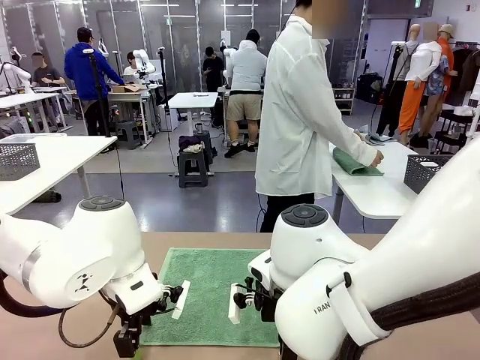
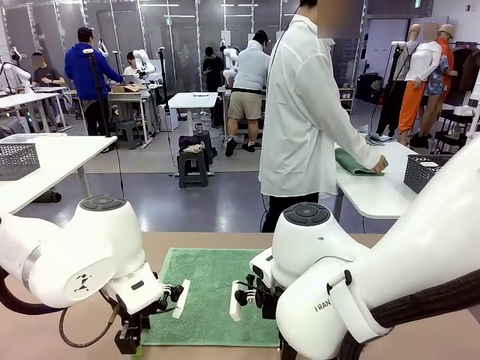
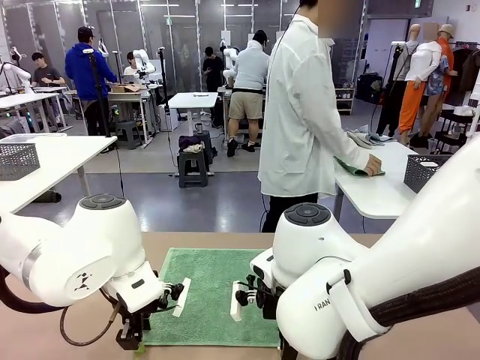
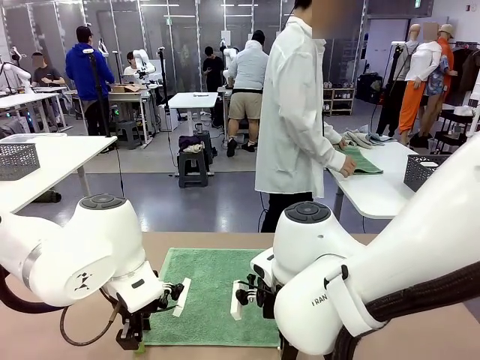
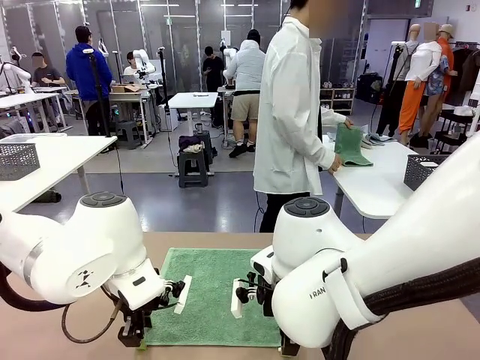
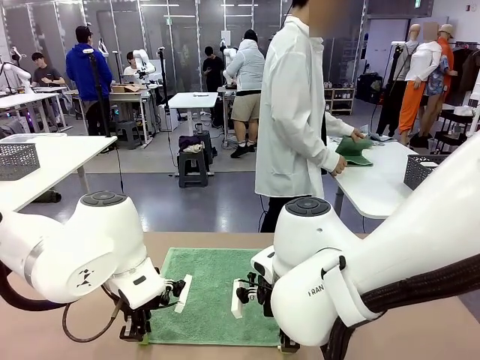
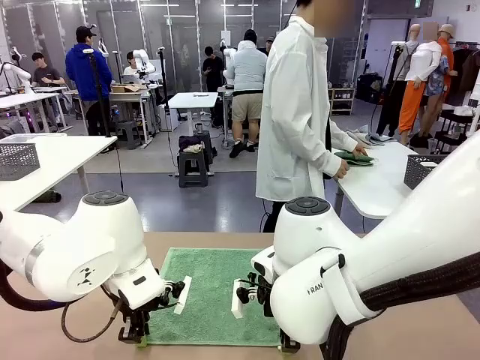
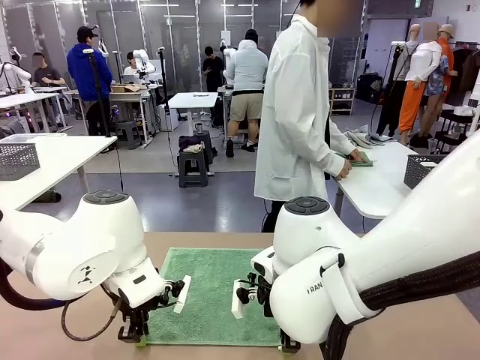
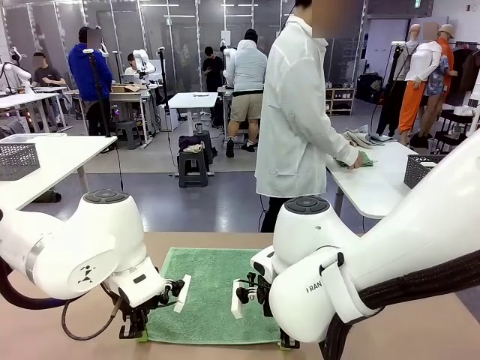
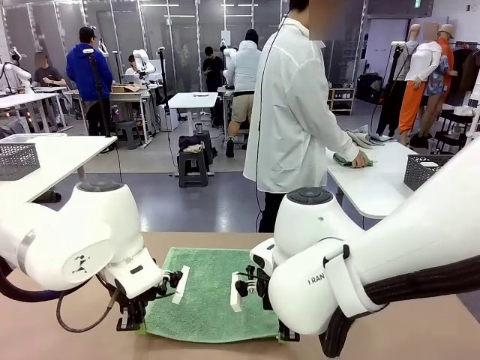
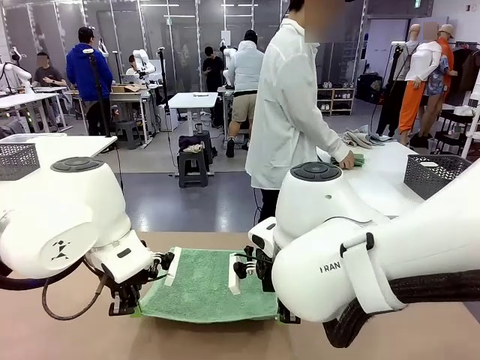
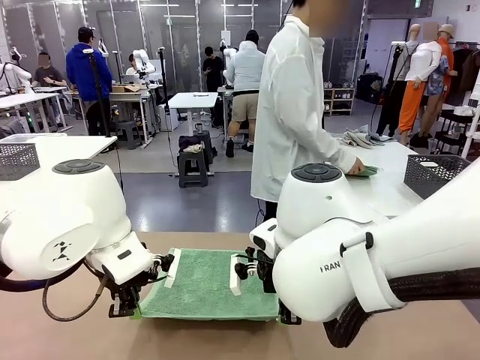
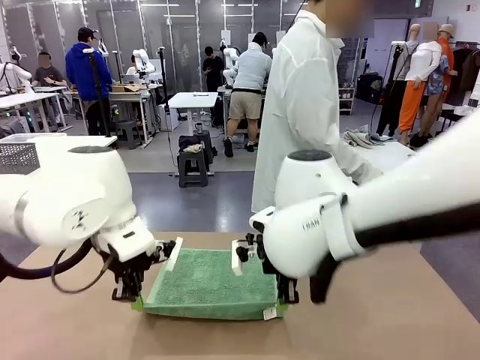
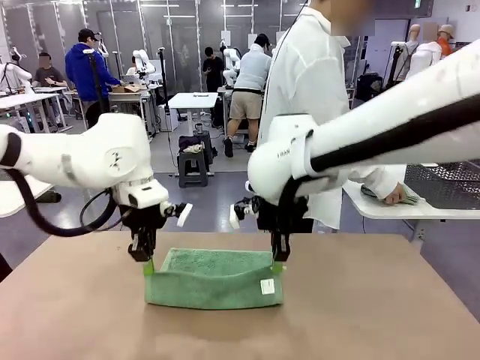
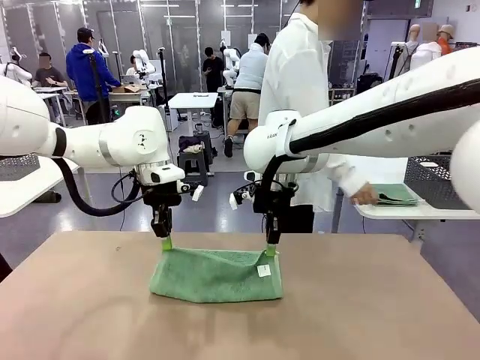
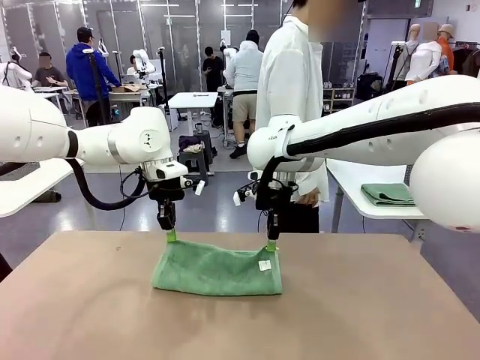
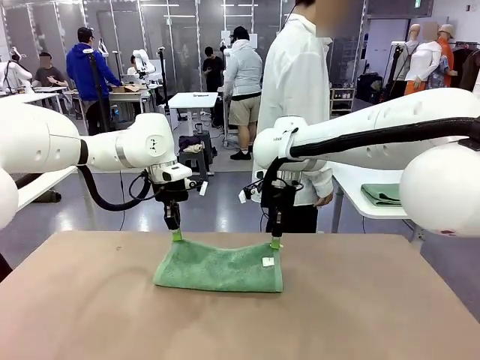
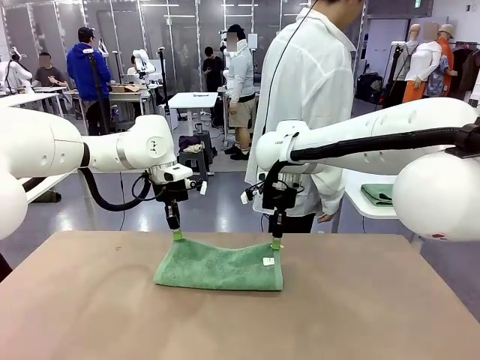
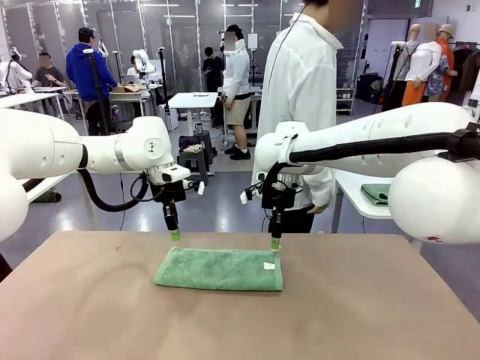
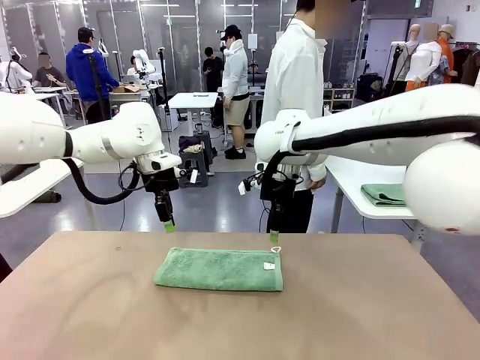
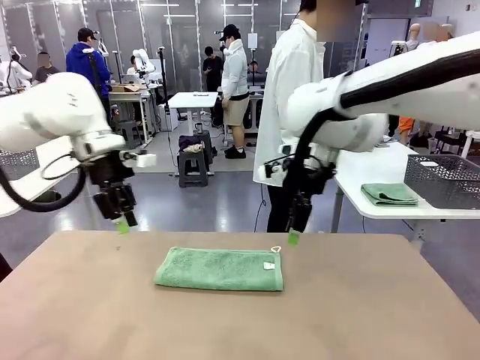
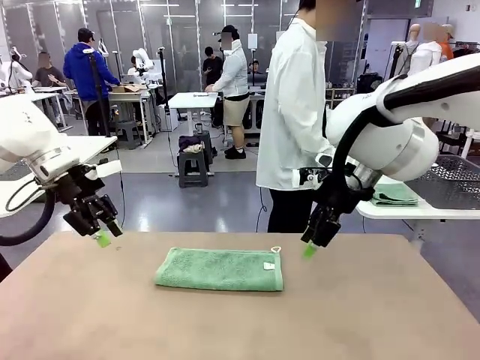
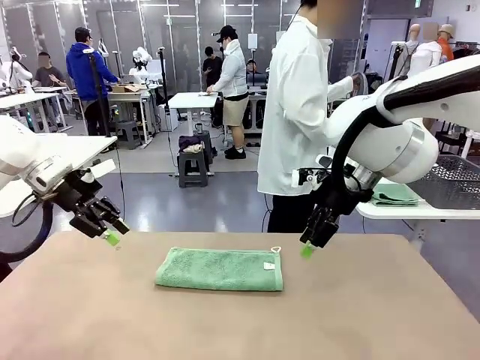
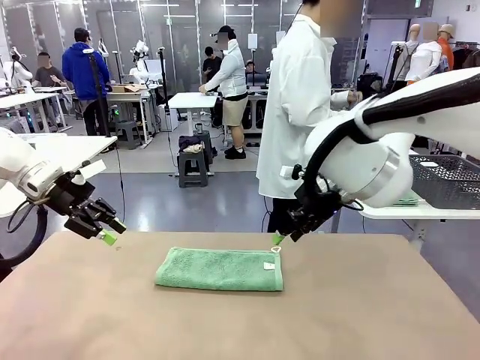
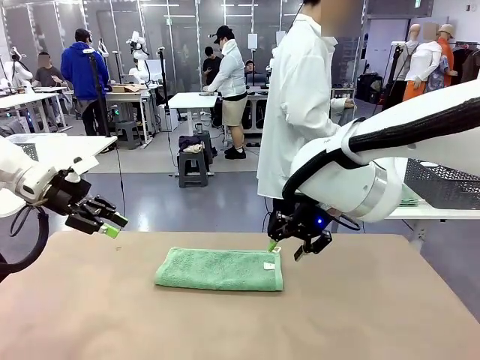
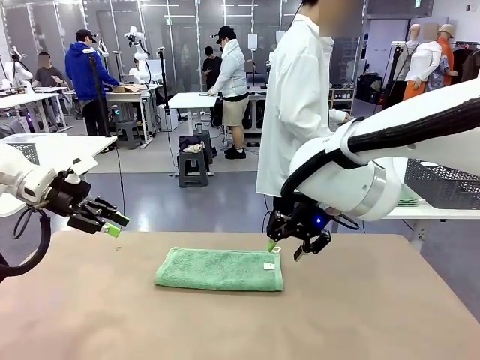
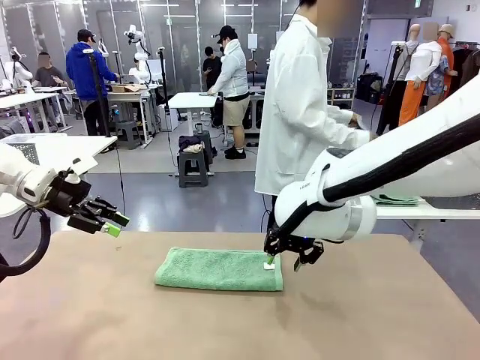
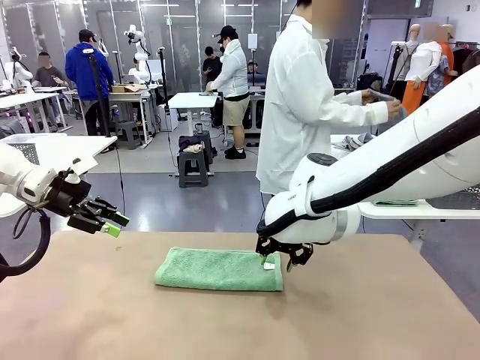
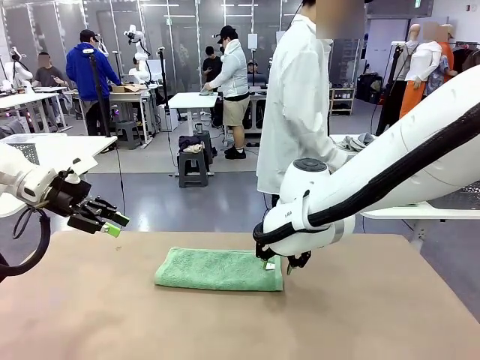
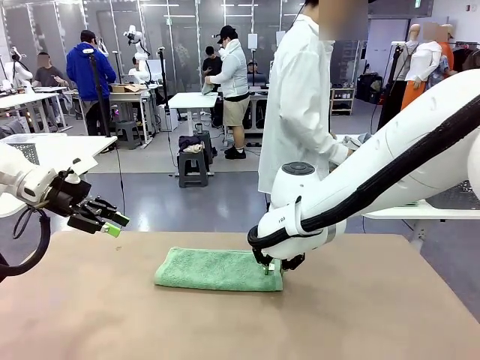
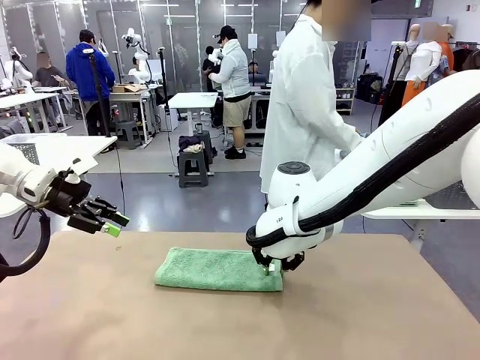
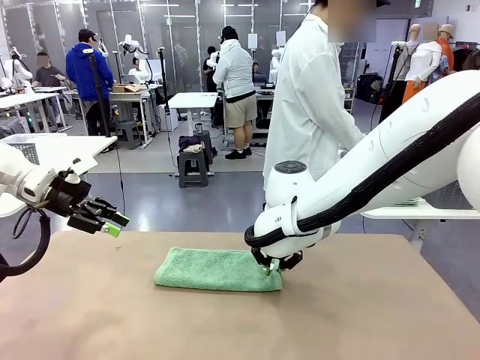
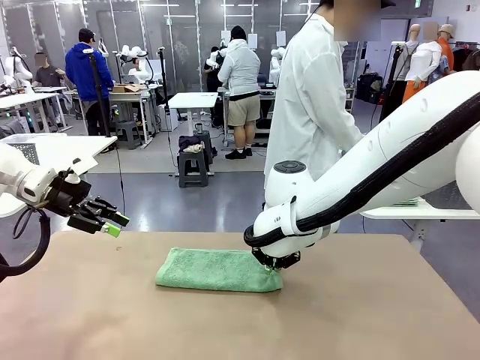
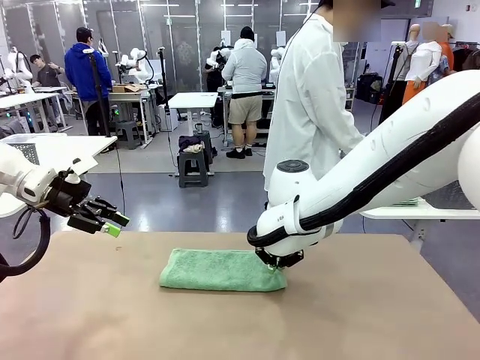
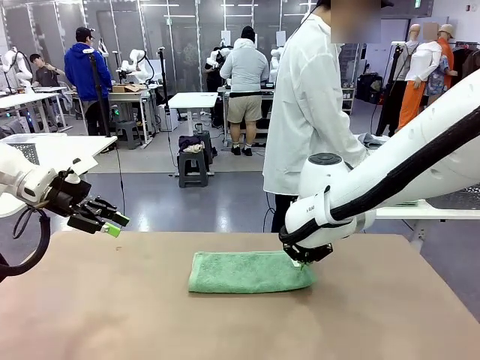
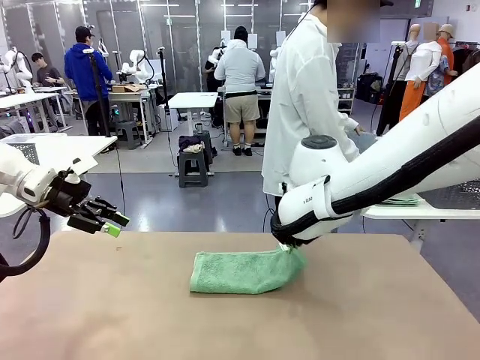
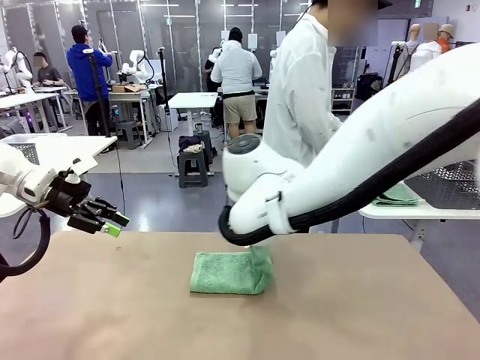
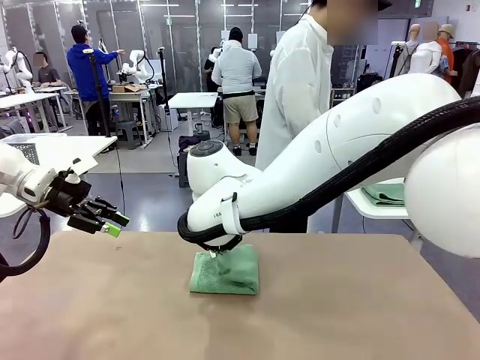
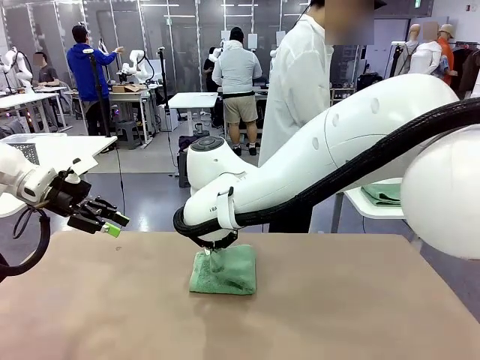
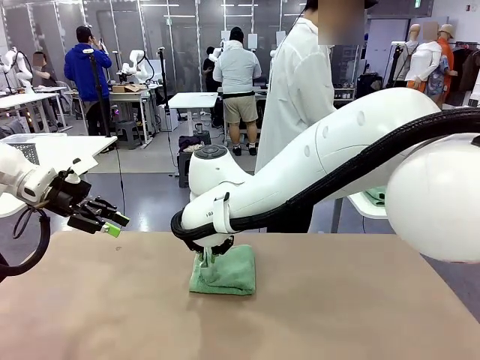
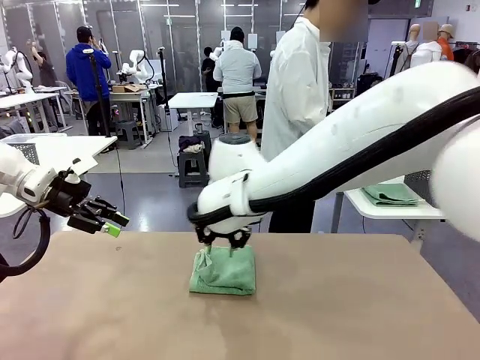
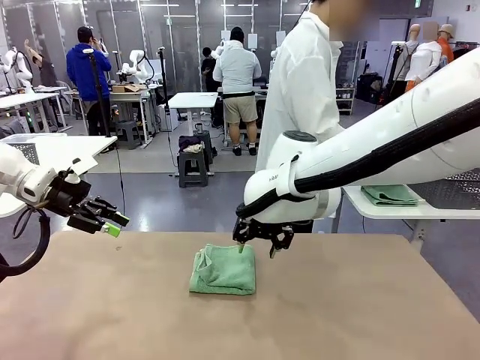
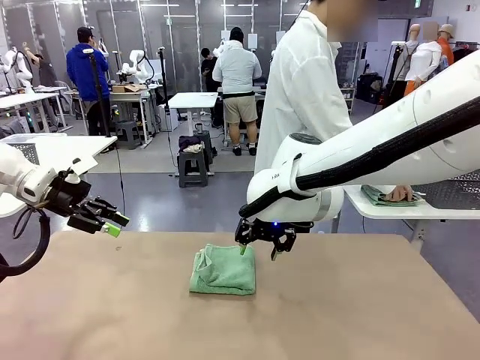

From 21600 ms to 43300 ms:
Task: Fold the towels and place them in the basket.
Robot: When a person lays out a Towel with hook on the table, fold it in half twice.
Person: Pick up one towel from the left side of the human table, fold it in half twice, and place it on the right side of the table. Pick up one towel from the left side of the human table, fold it in half twice, and stack it on the right side of the table.

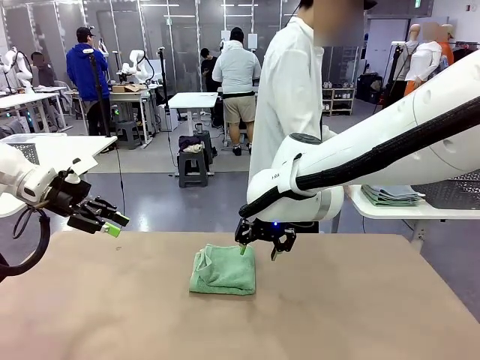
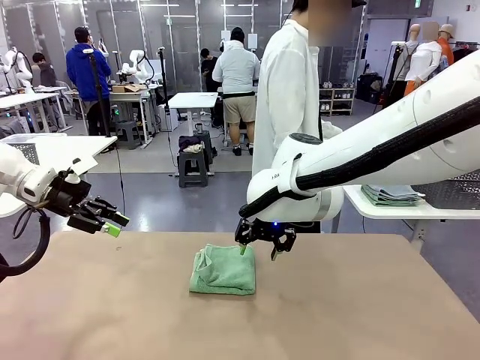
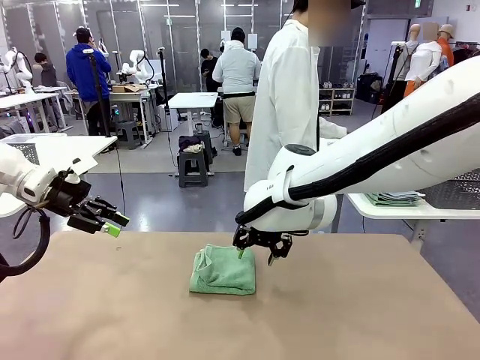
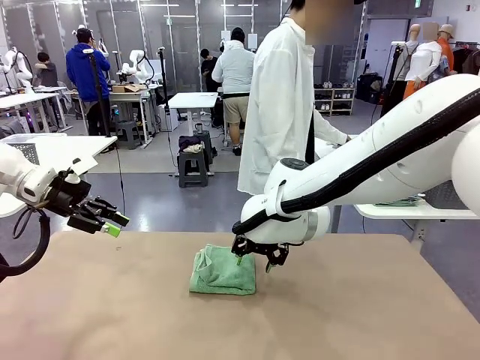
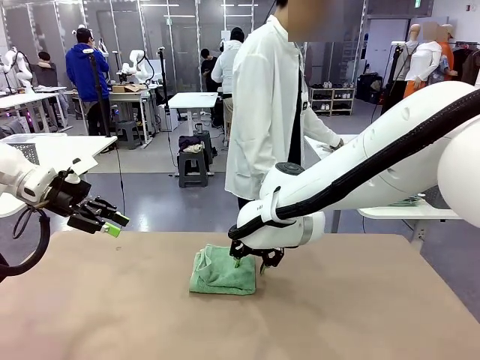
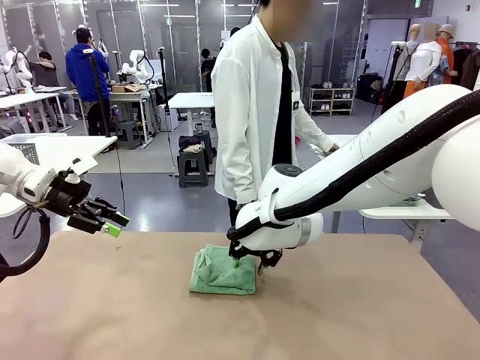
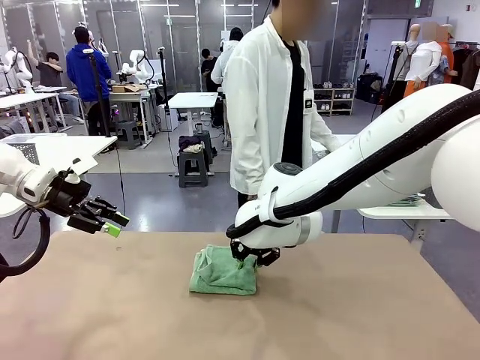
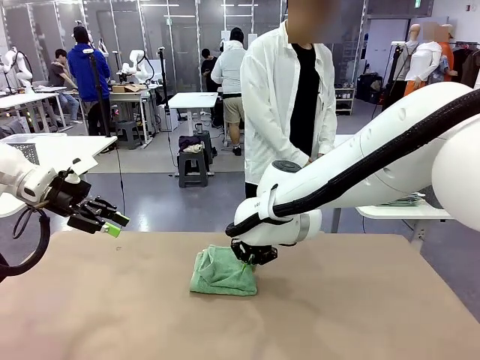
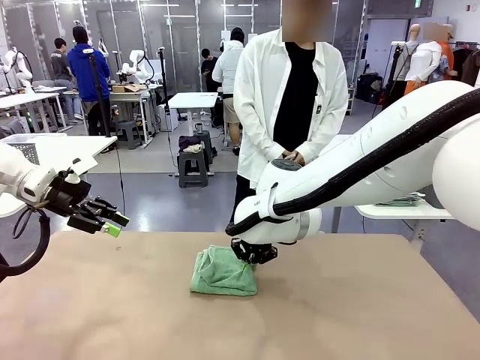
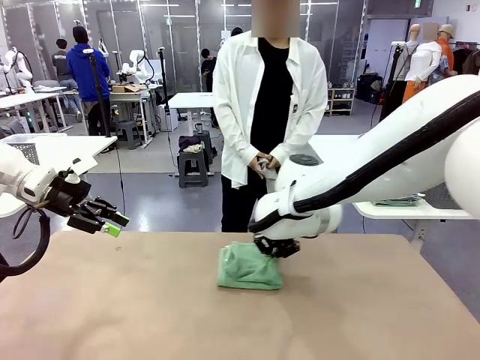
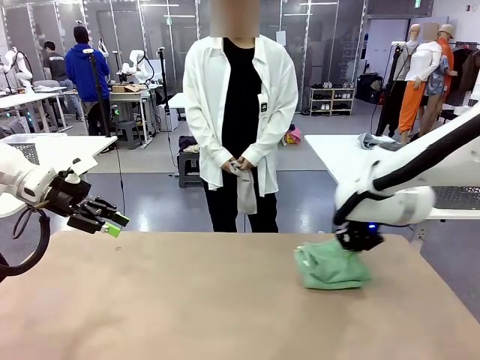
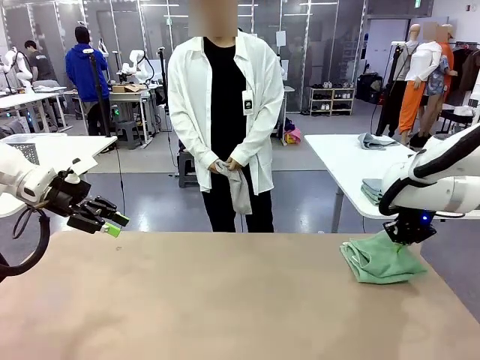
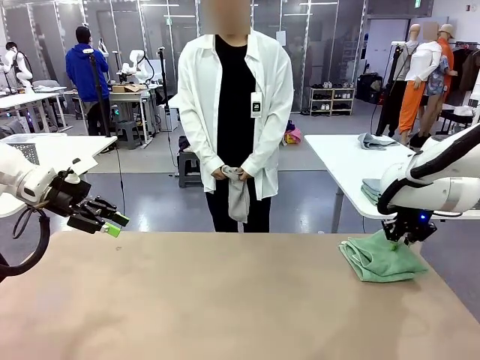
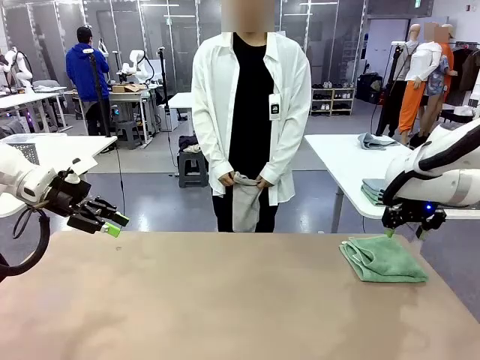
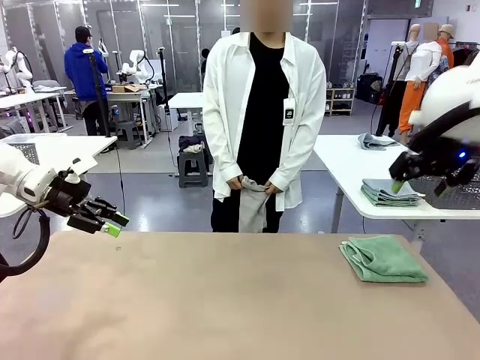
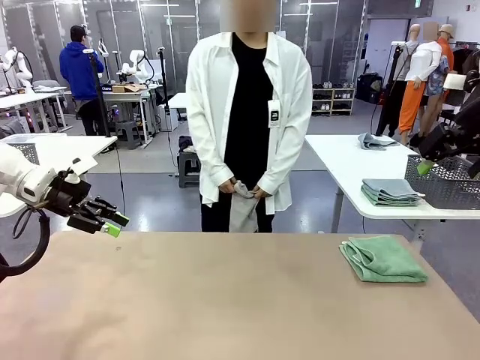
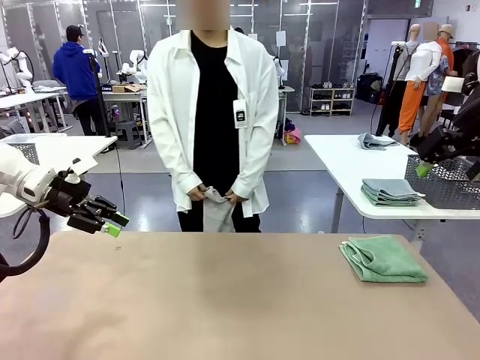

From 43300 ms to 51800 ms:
Robot: Place the folded Towel with hook on the right side of the table.
Person: Pick up one towel from the left side of the human table and spread it out at the center of the robot table.
